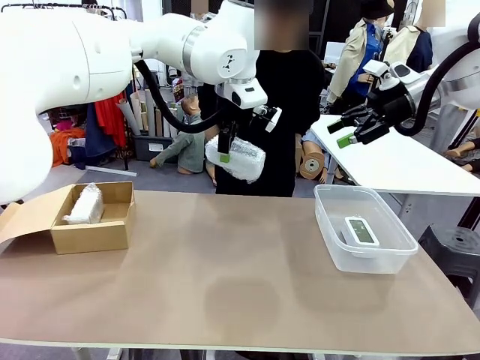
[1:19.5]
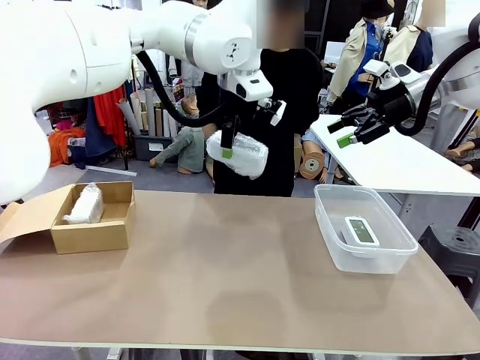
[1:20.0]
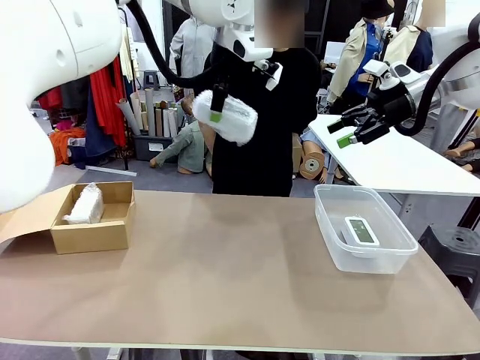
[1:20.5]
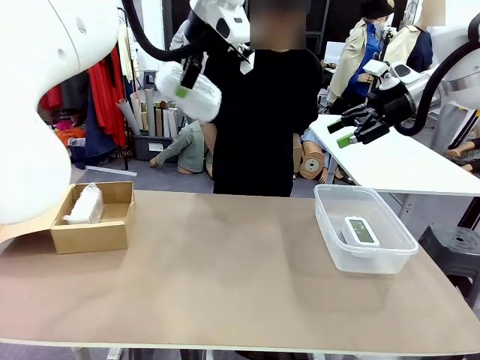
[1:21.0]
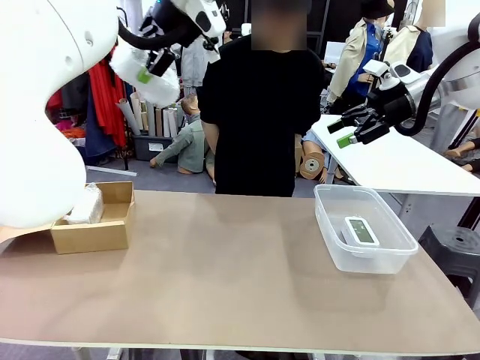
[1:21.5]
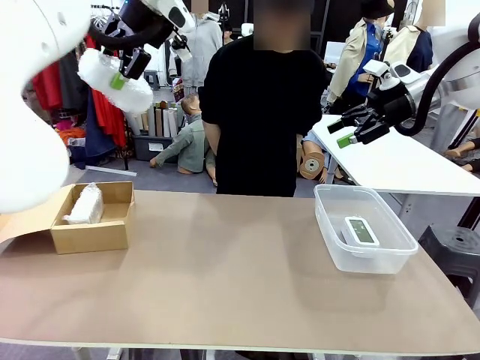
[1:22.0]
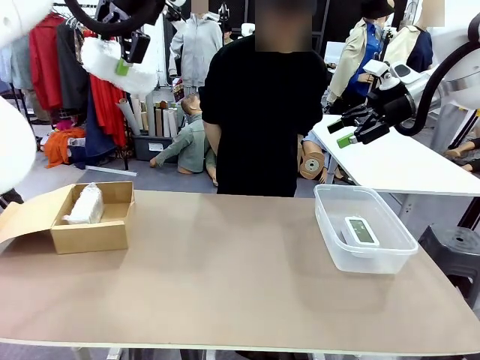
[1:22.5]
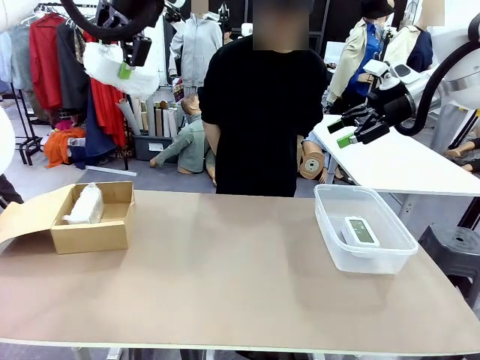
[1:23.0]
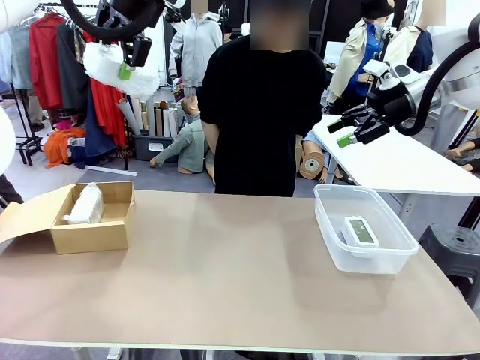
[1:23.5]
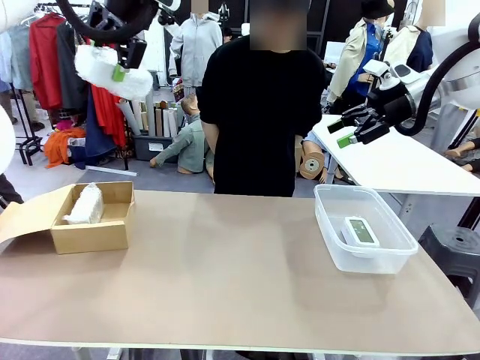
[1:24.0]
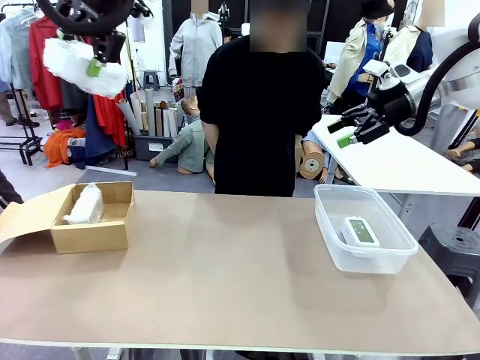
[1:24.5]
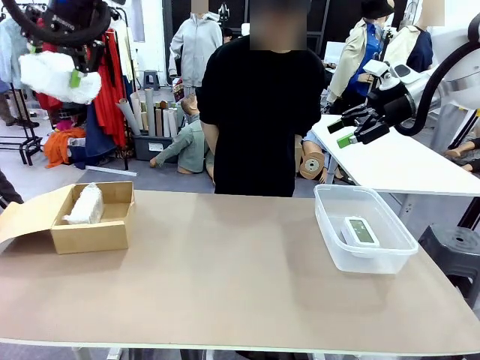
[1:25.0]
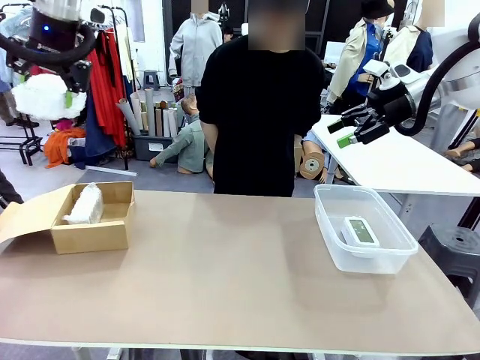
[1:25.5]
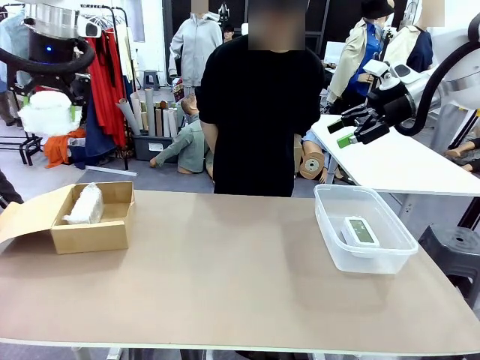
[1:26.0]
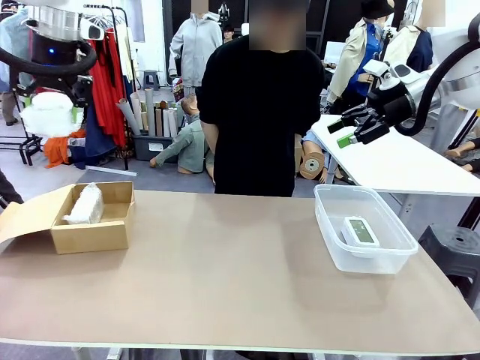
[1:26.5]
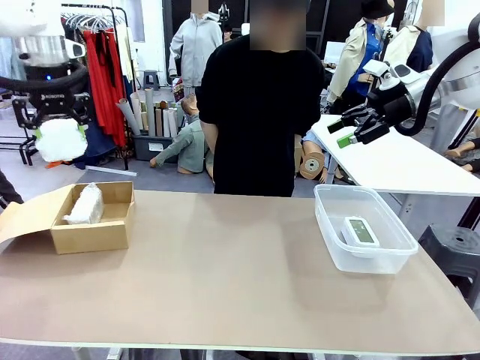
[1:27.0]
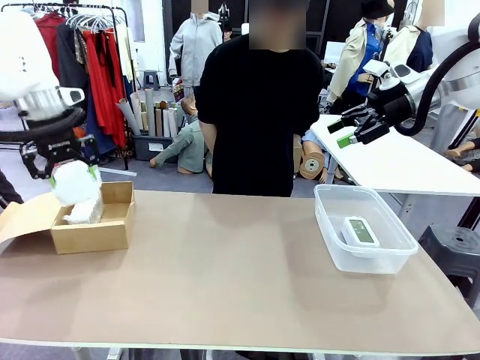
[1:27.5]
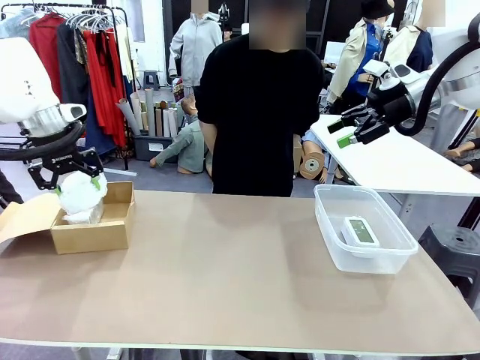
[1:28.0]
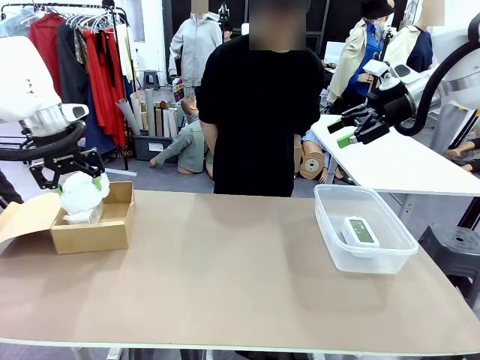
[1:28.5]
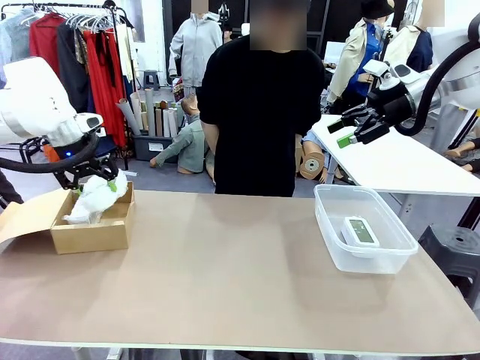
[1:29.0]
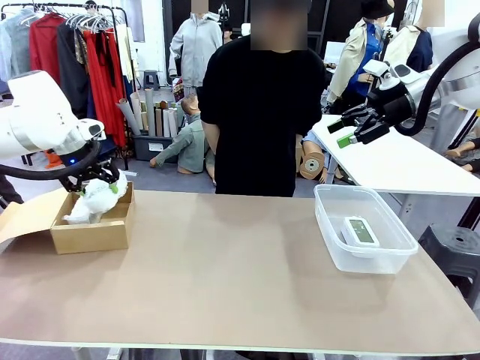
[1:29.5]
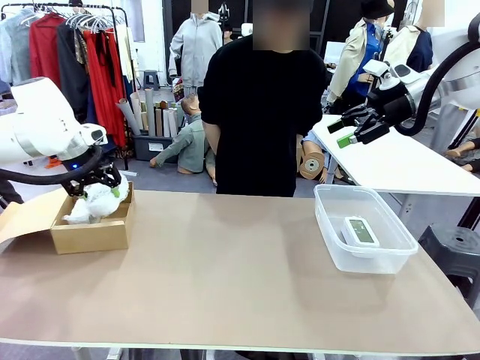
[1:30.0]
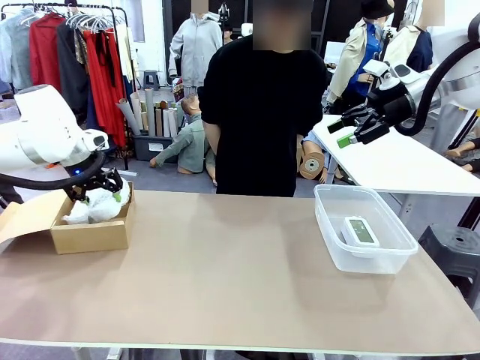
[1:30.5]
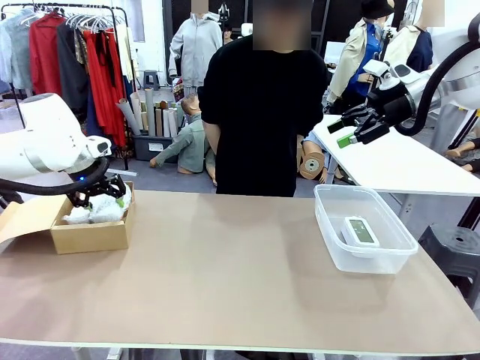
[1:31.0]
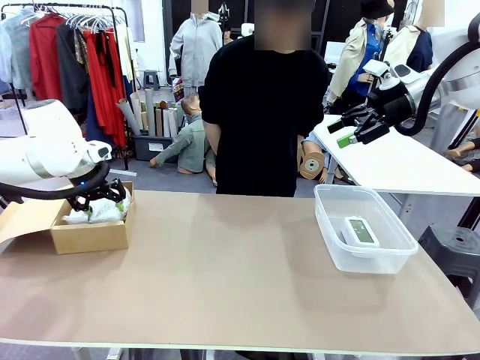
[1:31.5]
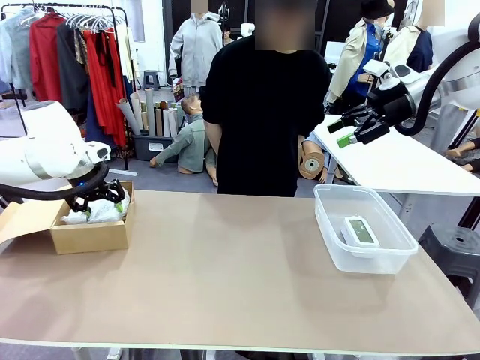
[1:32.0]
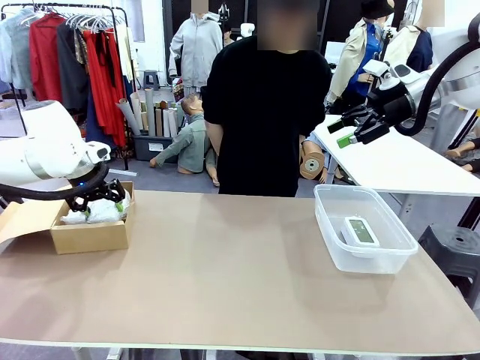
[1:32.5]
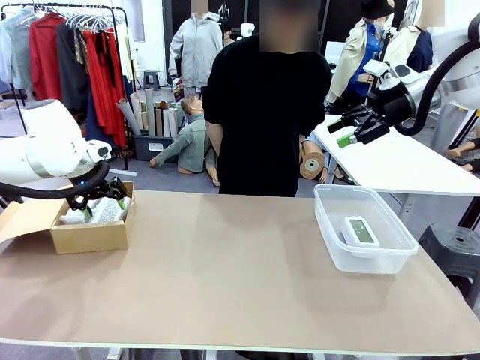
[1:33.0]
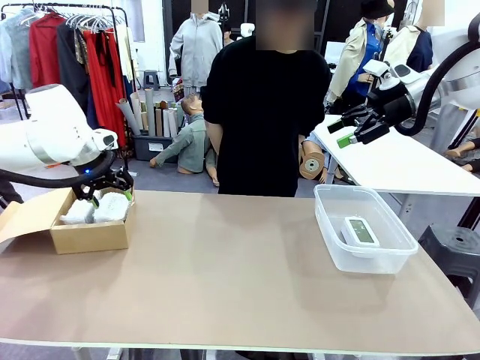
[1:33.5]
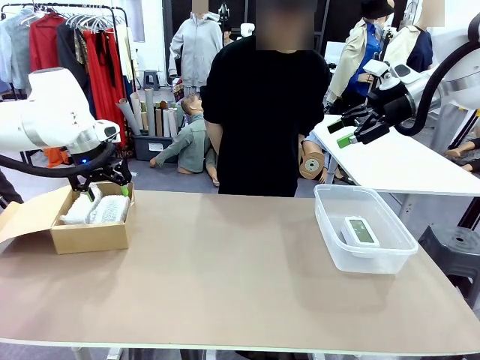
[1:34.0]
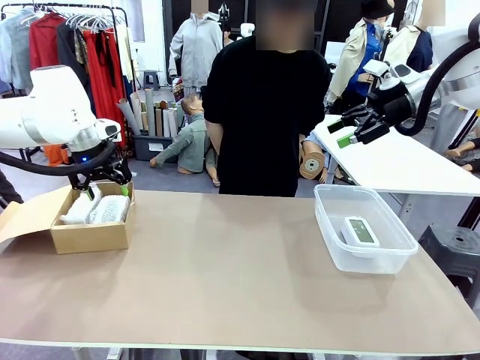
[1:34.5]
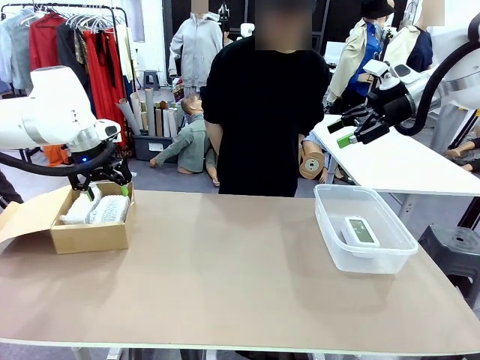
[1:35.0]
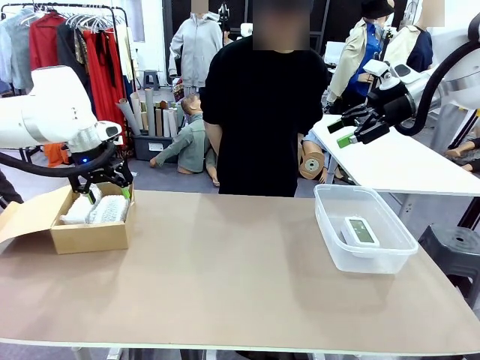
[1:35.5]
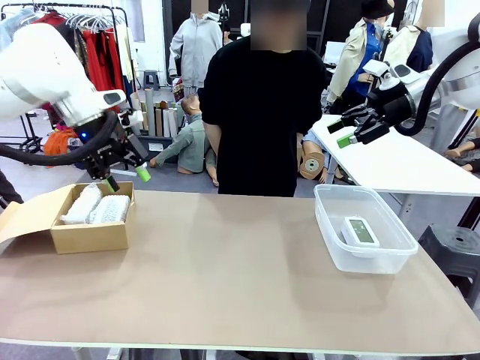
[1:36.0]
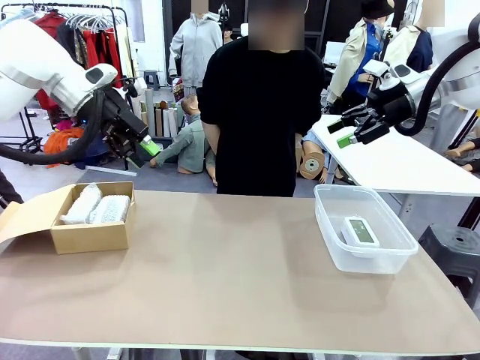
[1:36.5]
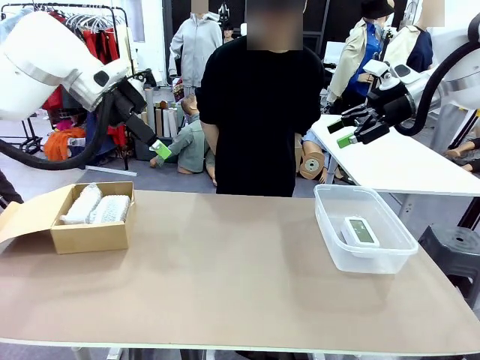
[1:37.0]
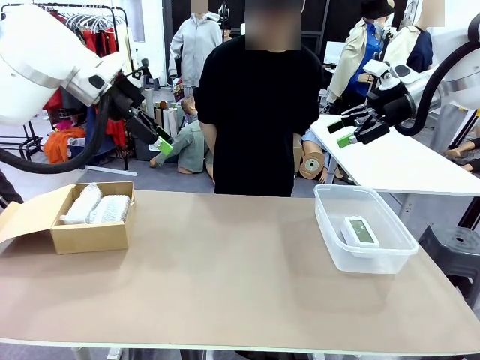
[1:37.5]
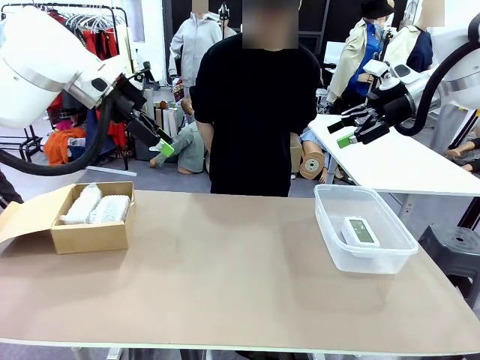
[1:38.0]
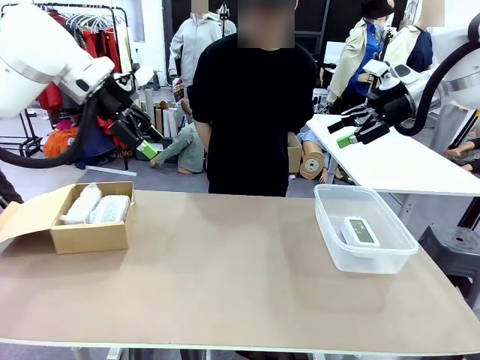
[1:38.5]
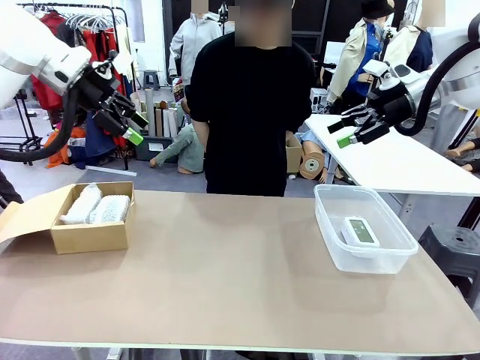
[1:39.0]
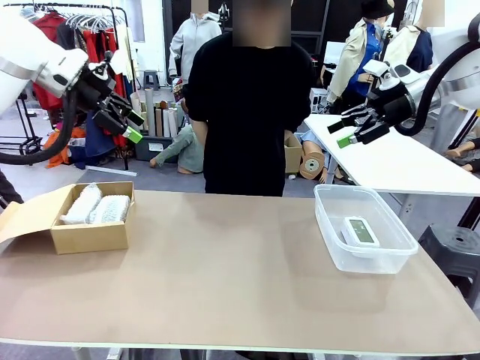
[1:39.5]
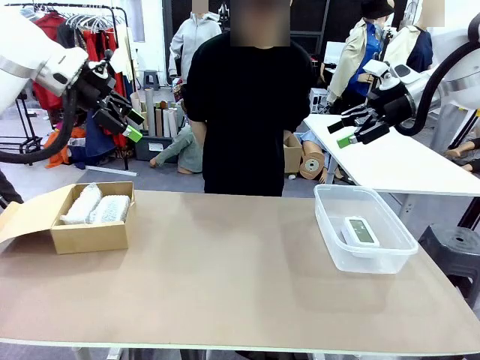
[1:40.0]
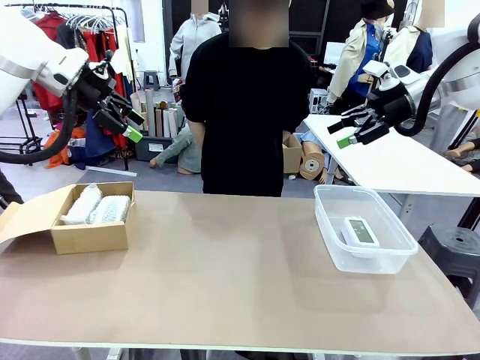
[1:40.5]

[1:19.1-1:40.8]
Task: Separate and place wrapped and unwrapped clocks.
Robot: If the picked Digital clock is wrapped, place it in the Package Box ; if not, place it in the Organizing box.
